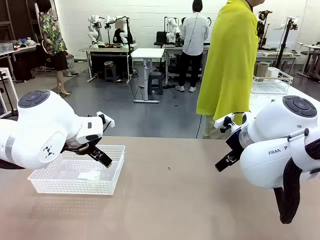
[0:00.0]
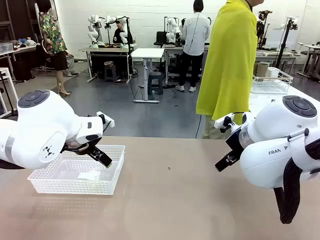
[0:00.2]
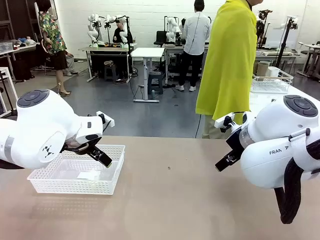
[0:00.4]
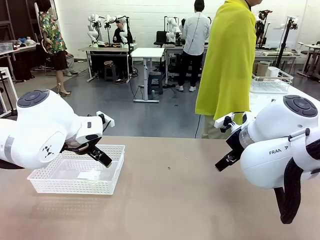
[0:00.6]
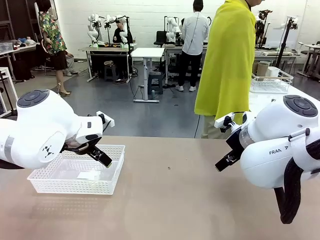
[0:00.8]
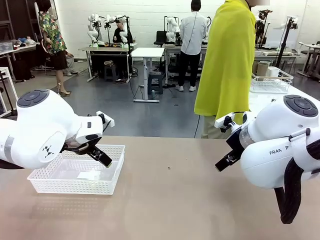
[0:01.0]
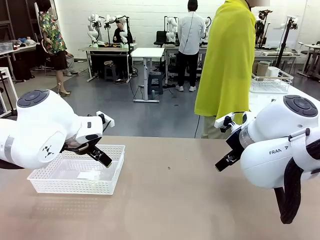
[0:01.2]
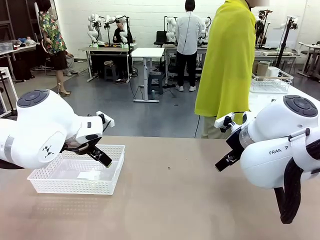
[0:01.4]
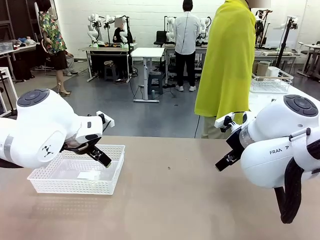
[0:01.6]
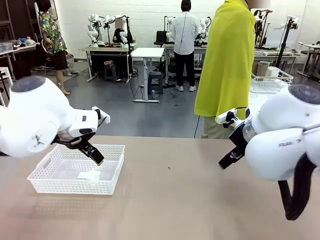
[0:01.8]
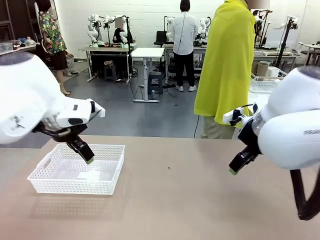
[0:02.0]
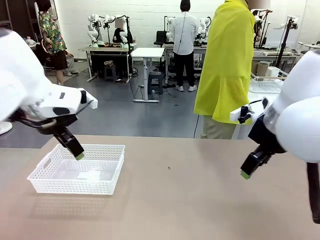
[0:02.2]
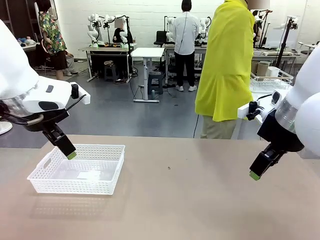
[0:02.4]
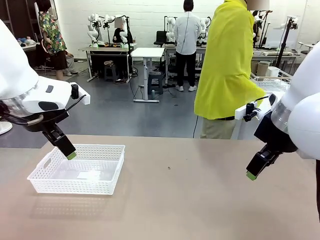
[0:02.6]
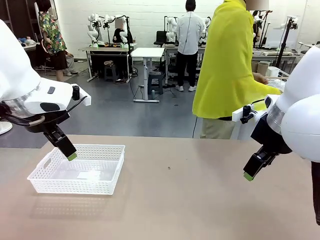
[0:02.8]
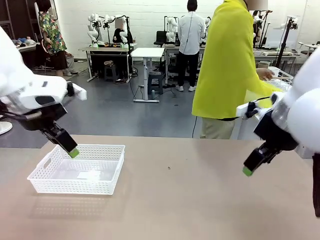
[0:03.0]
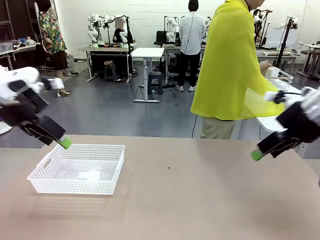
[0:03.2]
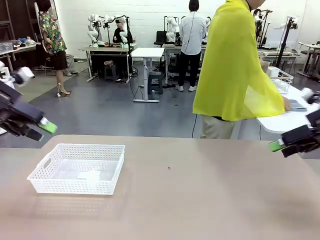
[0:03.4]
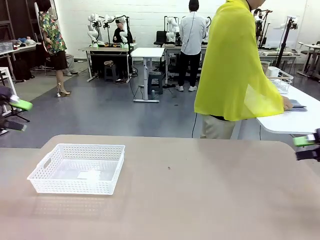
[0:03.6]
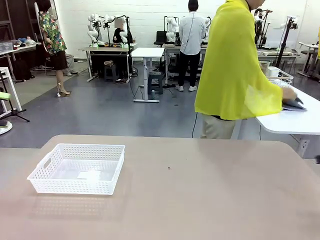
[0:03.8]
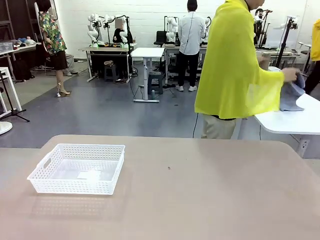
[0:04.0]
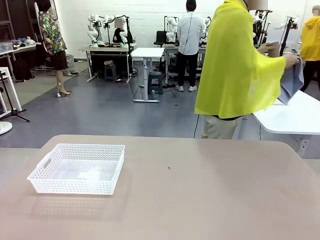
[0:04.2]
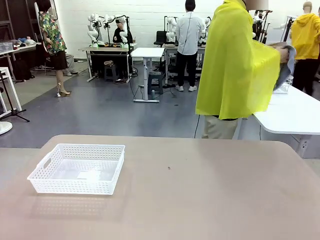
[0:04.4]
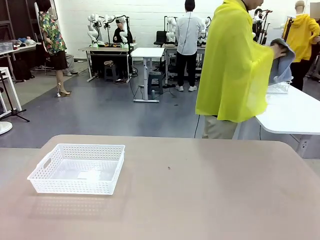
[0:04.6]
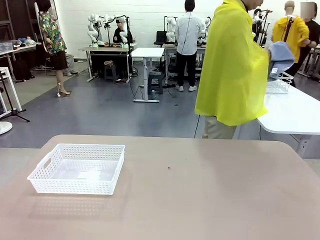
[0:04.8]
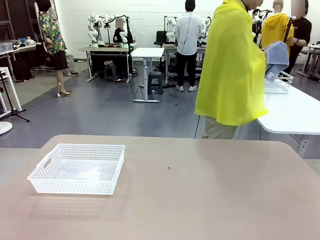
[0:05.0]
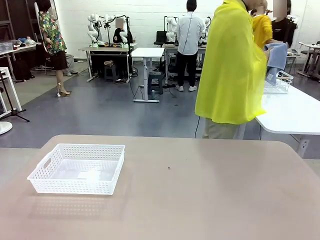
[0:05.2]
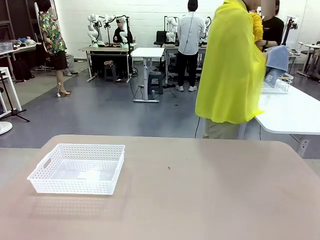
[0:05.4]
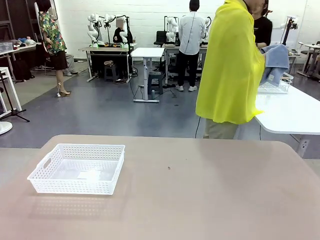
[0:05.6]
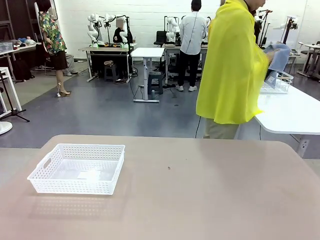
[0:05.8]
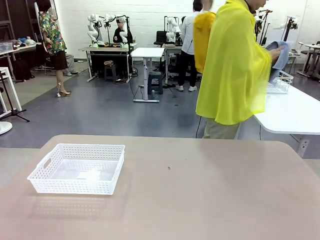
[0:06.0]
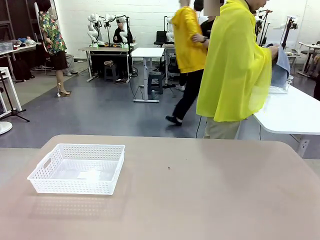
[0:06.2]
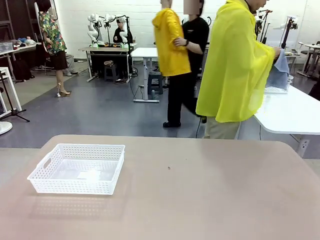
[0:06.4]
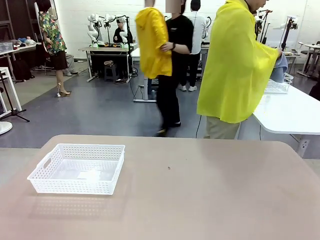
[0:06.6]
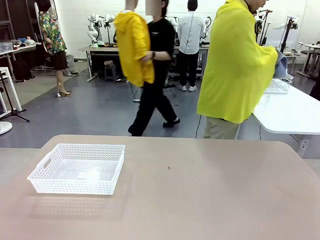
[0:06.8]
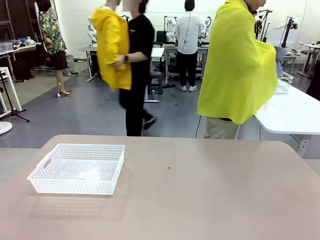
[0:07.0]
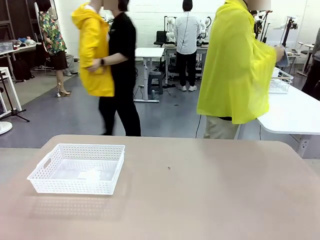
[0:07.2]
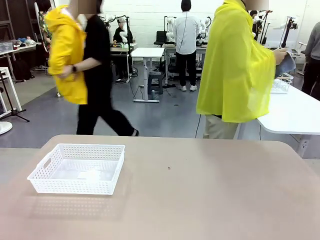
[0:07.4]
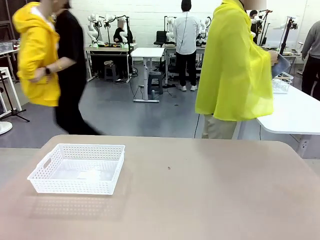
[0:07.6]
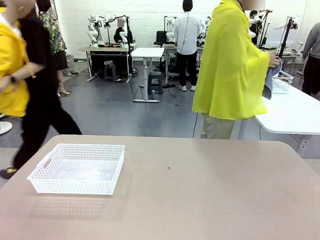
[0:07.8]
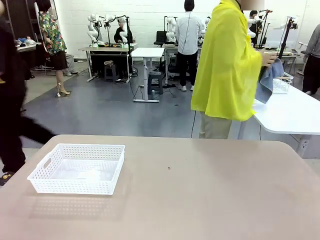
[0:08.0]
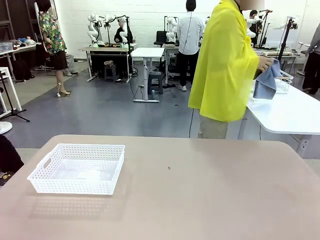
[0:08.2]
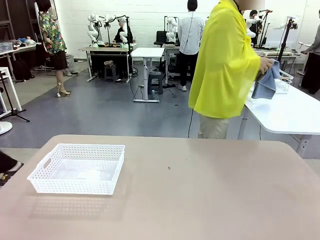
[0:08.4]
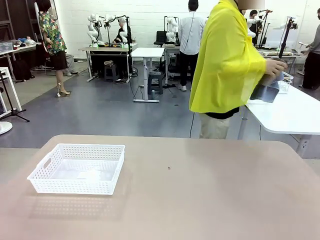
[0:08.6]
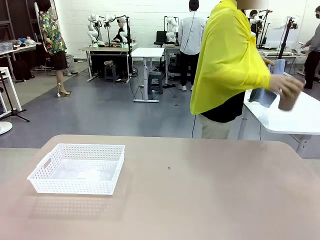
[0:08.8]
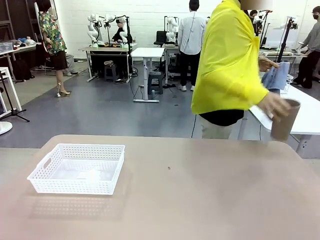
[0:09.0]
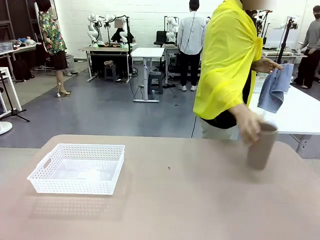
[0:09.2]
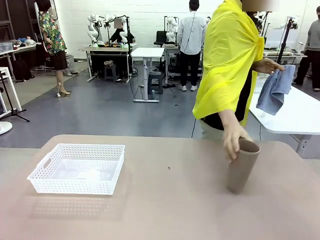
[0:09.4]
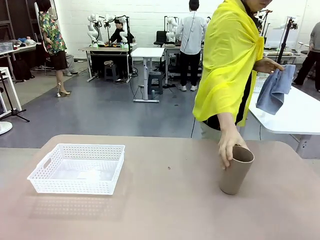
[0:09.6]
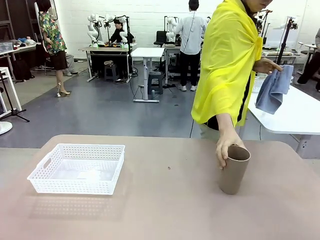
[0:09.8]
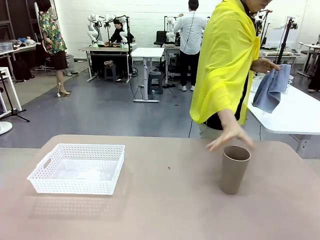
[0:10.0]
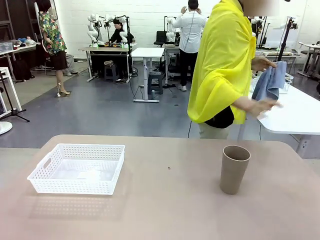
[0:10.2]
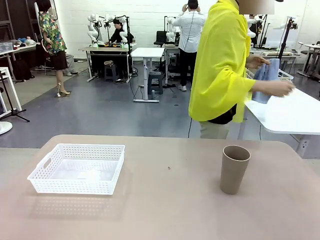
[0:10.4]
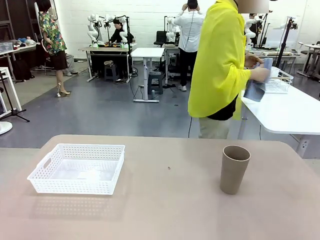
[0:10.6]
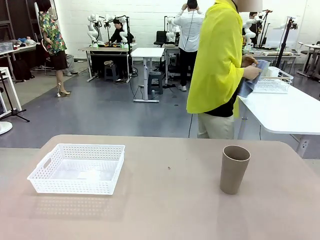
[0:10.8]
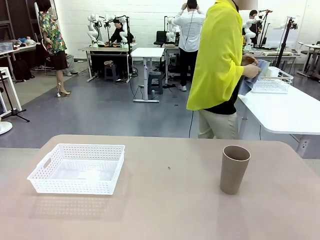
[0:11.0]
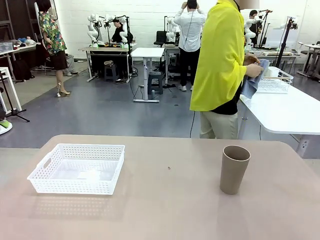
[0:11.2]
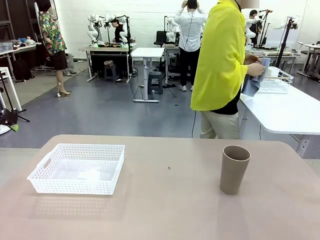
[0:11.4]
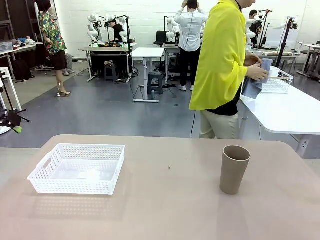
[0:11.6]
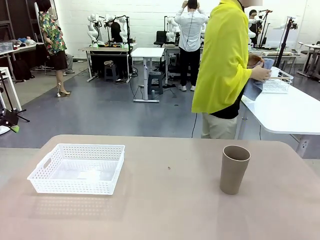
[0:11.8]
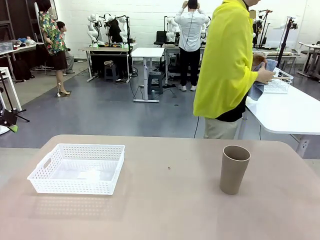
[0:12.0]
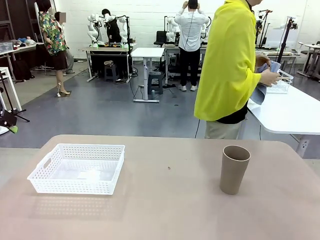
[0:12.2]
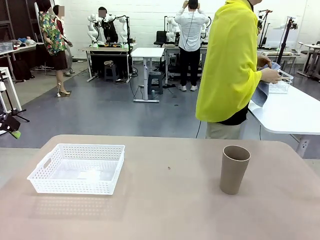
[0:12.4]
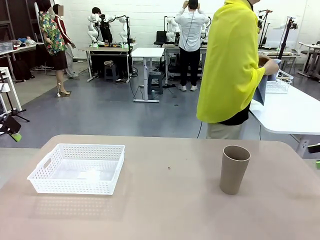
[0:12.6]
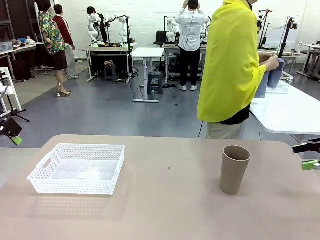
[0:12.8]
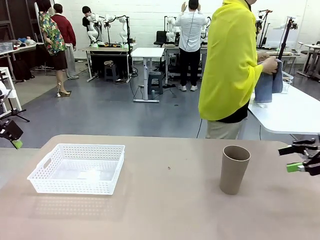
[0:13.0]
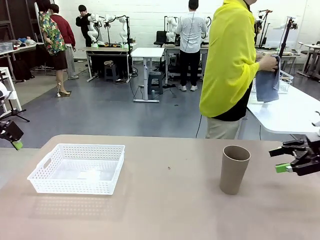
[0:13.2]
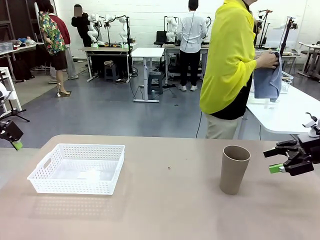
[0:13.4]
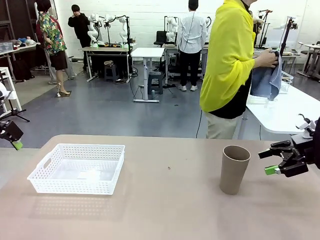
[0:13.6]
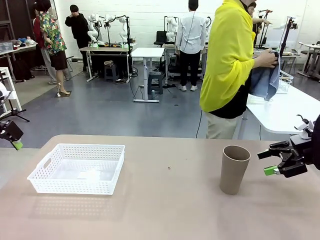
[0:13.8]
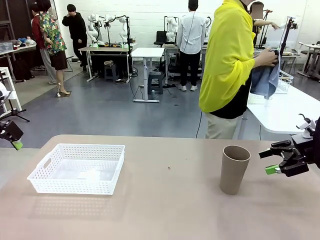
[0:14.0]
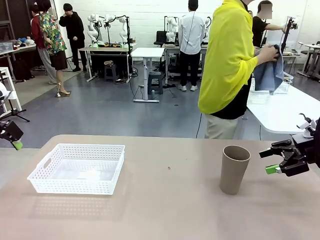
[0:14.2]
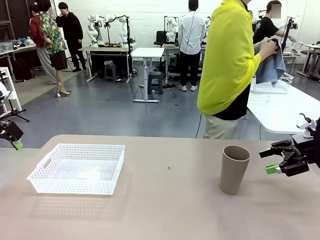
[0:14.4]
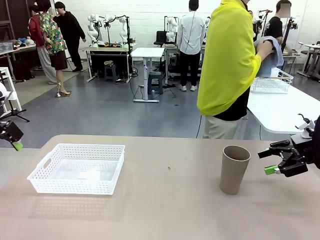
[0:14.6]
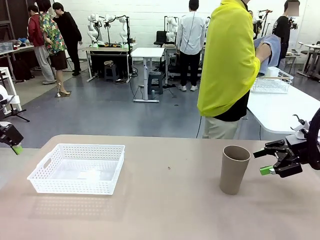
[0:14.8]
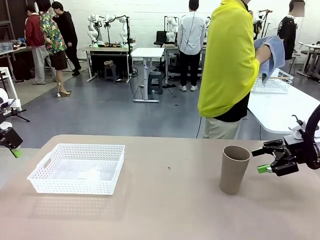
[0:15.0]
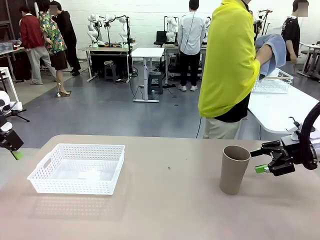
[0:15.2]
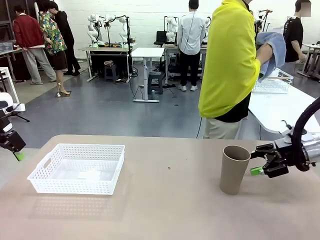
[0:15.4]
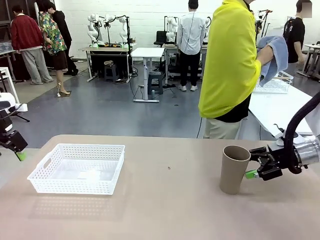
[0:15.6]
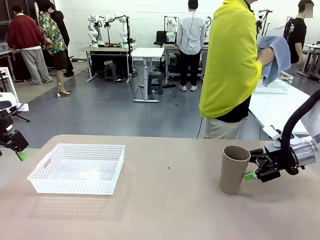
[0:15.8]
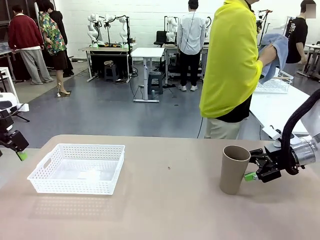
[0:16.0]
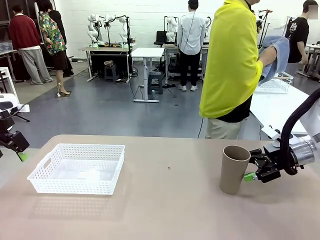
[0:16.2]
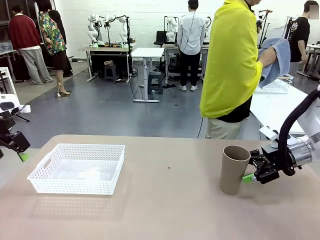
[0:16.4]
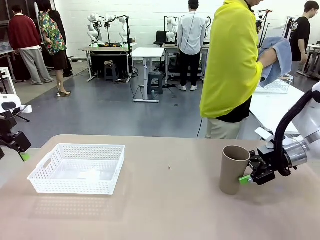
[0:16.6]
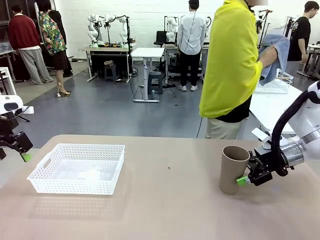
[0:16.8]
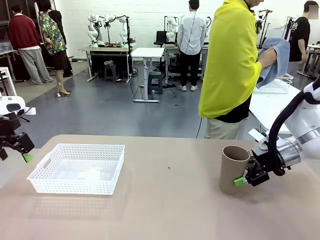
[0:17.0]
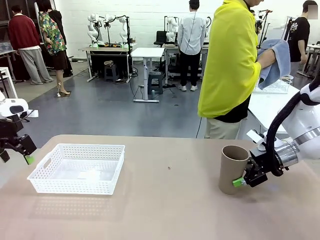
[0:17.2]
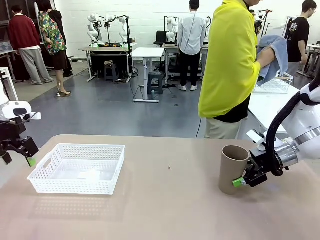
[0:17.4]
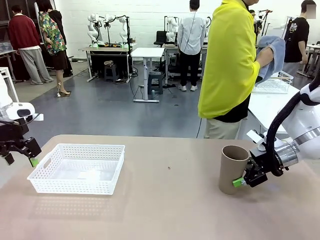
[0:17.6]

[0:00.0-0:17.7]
Task: Clean and organize the cups into the basket.
Robot: Pick up the Organizing basket and move it to the center of the table, then pick up the Reusable plastic cup from the right side of the table and place it inside the Organizing basket.
Person: Picks up a cup and a towel, cleans the cup with the towel, and places it on the left side of the robot table.
